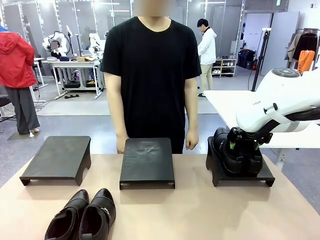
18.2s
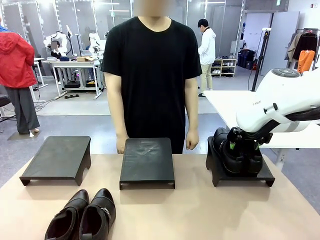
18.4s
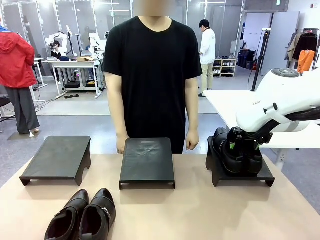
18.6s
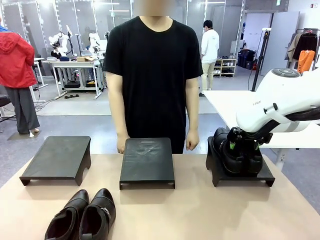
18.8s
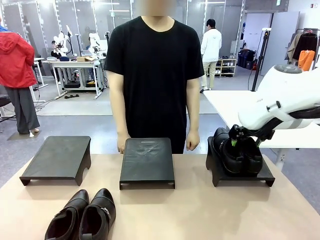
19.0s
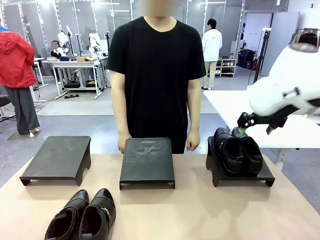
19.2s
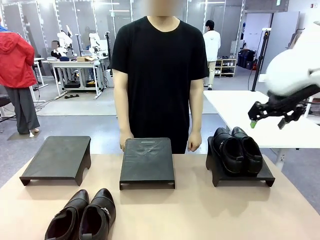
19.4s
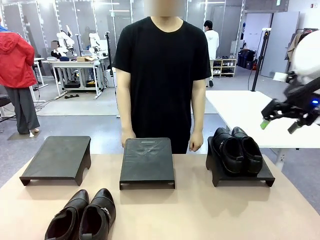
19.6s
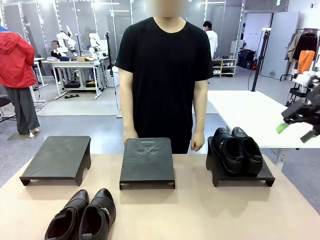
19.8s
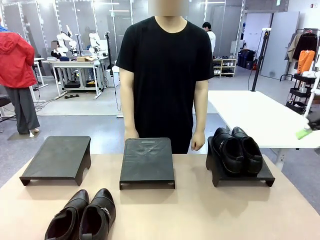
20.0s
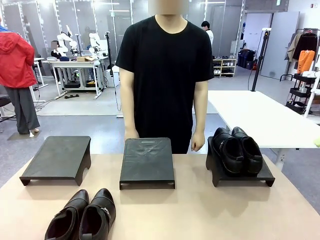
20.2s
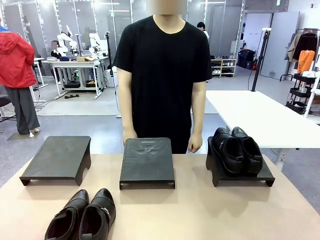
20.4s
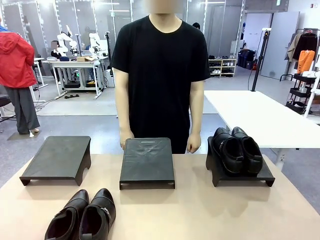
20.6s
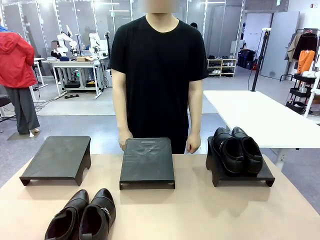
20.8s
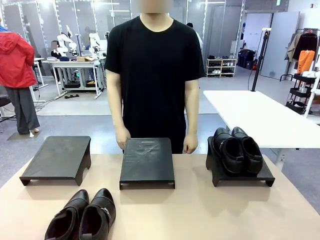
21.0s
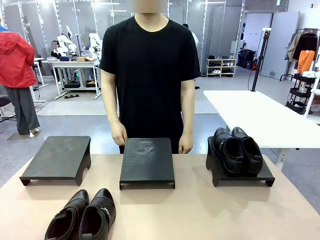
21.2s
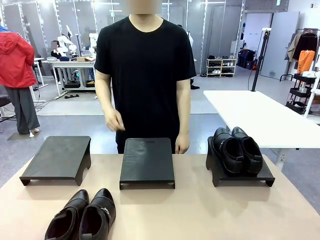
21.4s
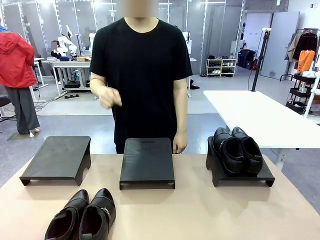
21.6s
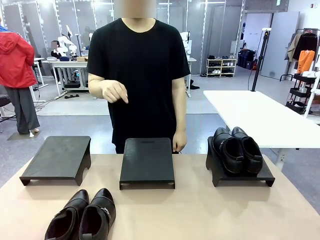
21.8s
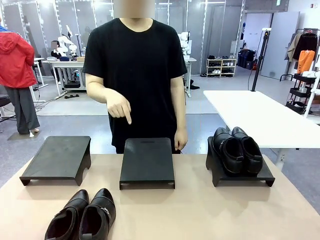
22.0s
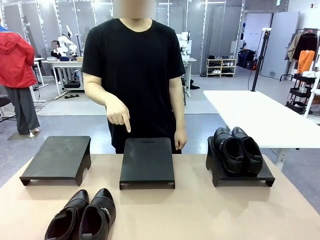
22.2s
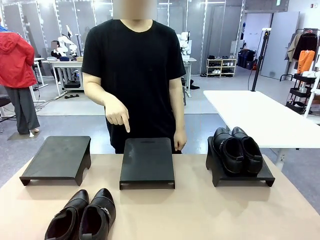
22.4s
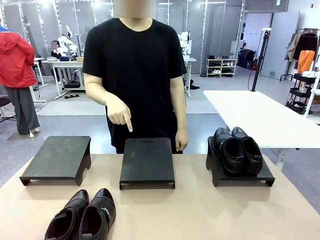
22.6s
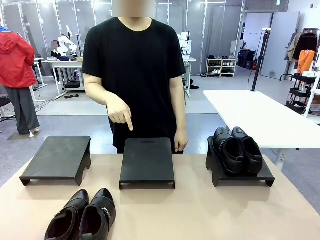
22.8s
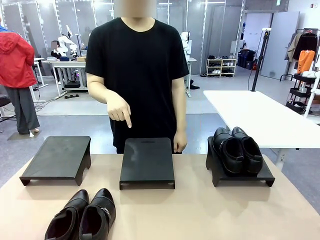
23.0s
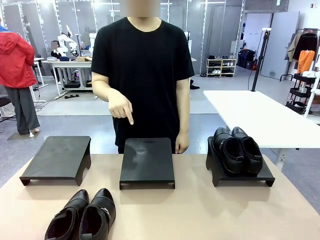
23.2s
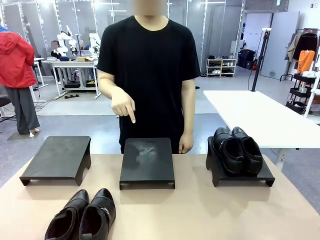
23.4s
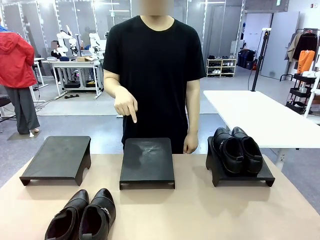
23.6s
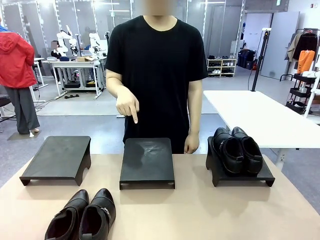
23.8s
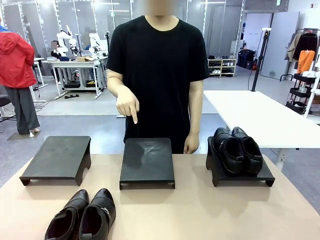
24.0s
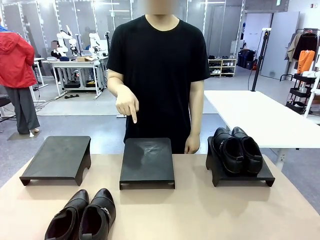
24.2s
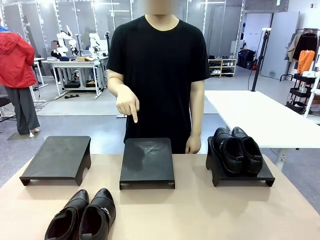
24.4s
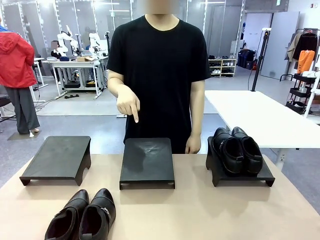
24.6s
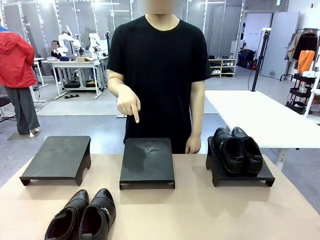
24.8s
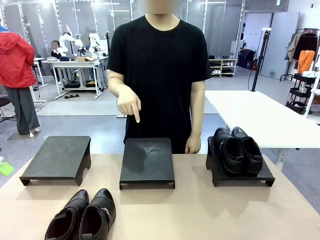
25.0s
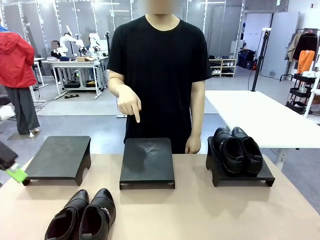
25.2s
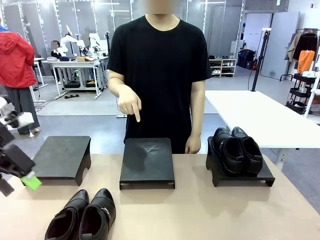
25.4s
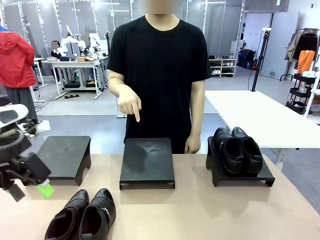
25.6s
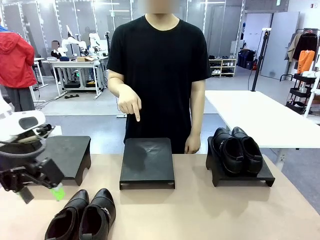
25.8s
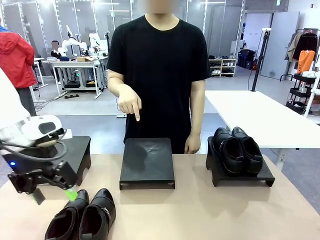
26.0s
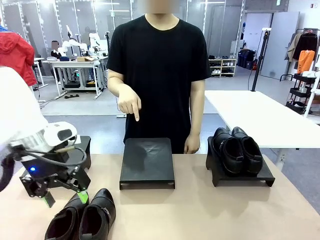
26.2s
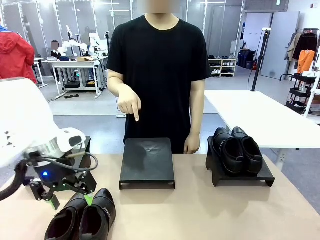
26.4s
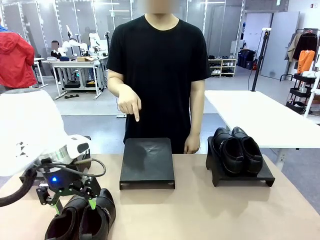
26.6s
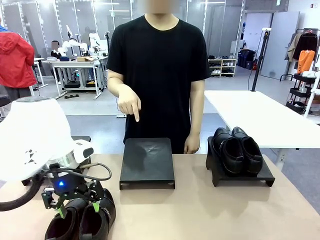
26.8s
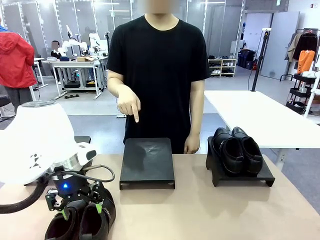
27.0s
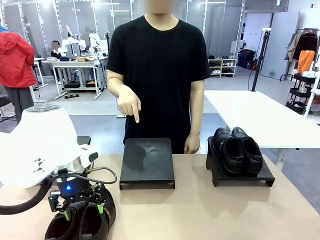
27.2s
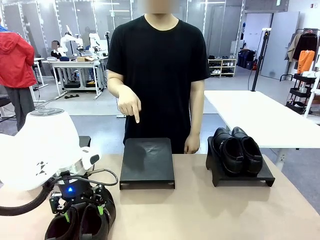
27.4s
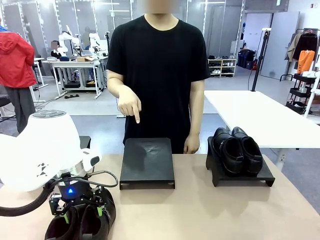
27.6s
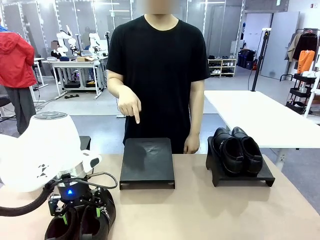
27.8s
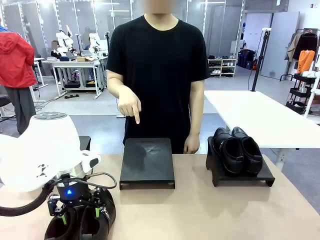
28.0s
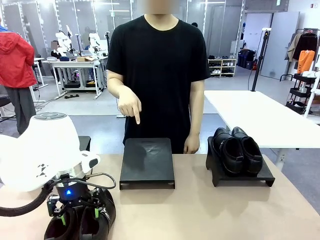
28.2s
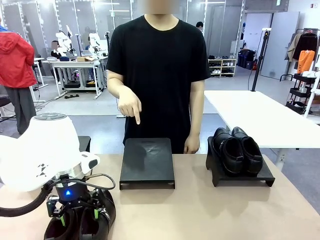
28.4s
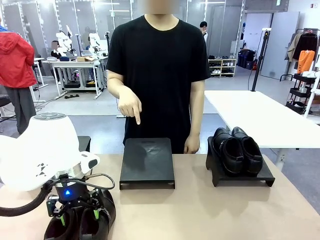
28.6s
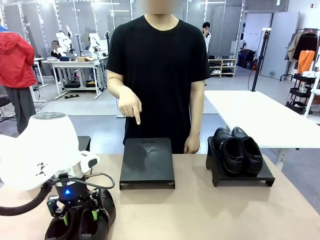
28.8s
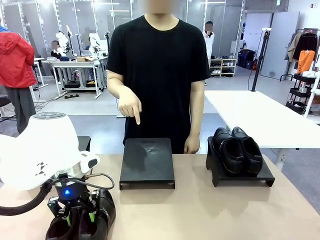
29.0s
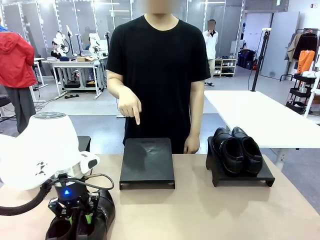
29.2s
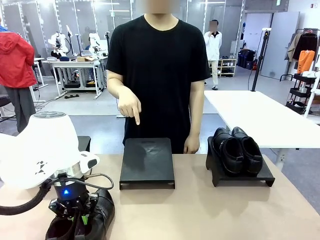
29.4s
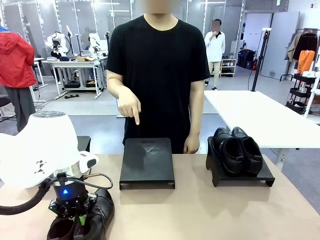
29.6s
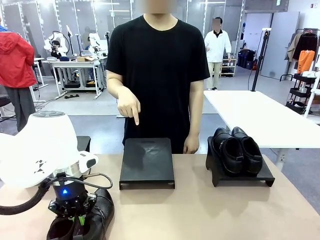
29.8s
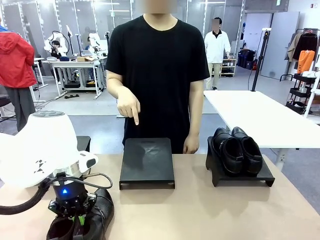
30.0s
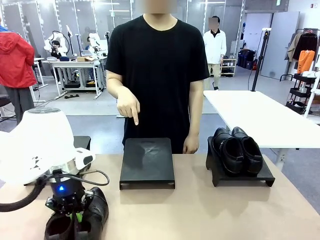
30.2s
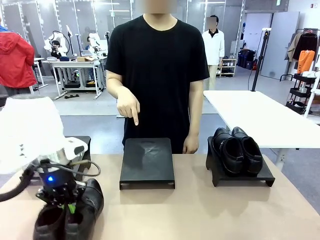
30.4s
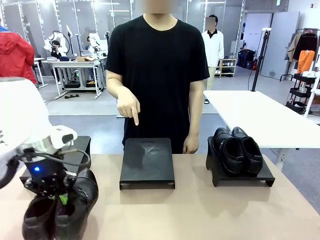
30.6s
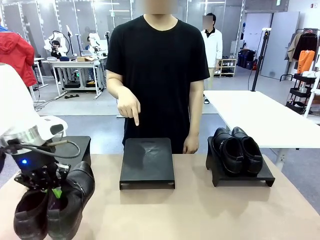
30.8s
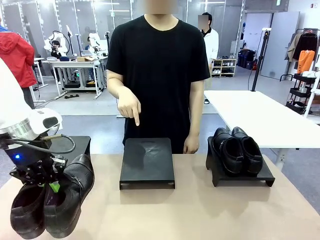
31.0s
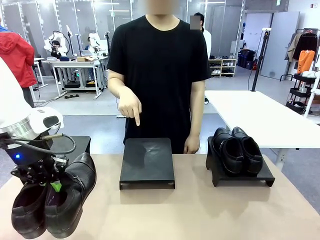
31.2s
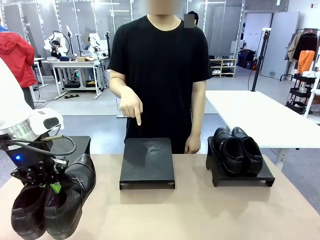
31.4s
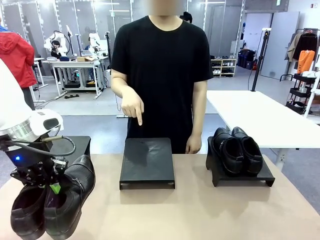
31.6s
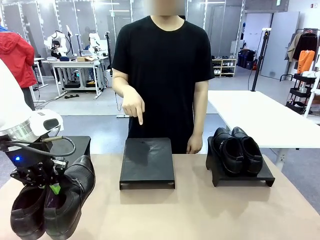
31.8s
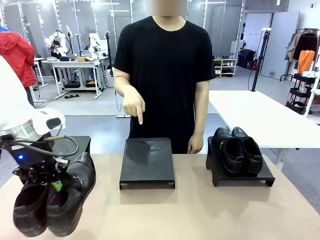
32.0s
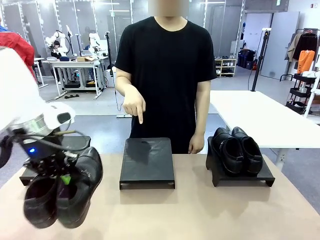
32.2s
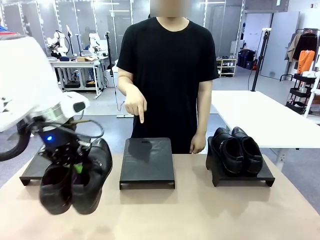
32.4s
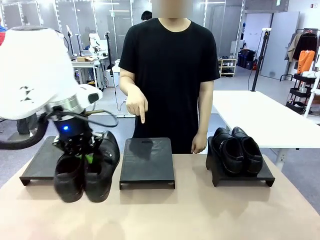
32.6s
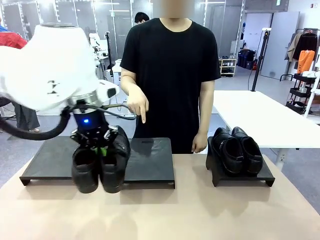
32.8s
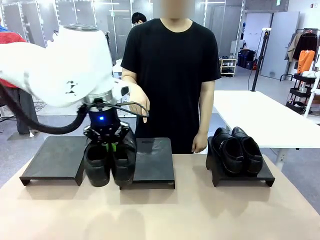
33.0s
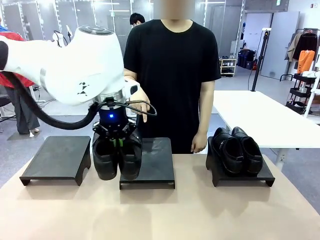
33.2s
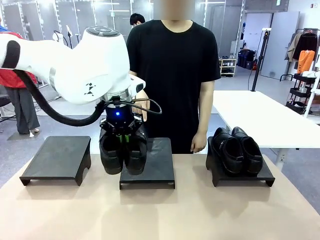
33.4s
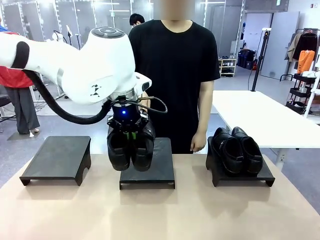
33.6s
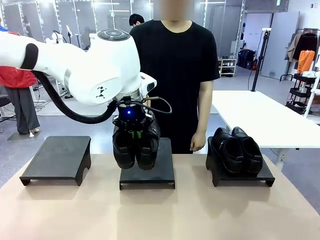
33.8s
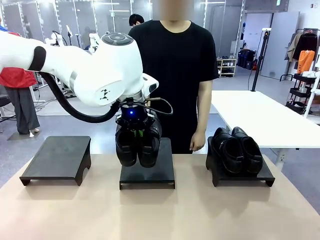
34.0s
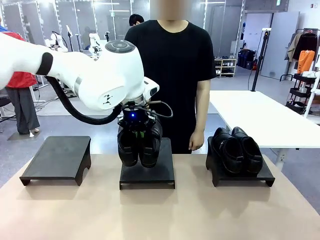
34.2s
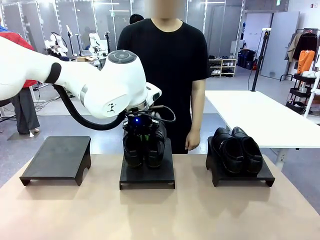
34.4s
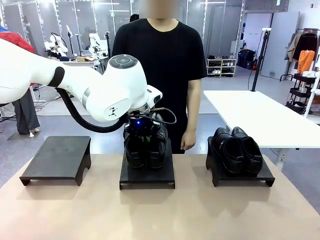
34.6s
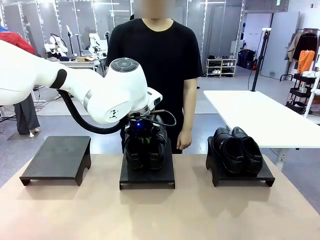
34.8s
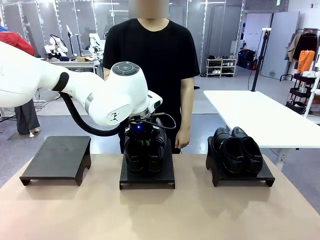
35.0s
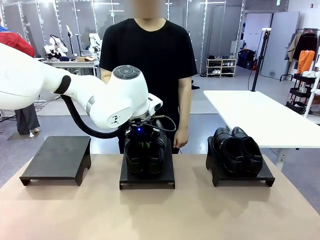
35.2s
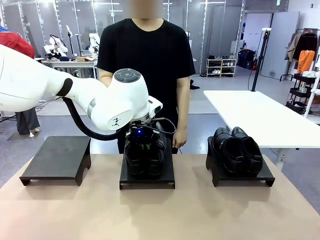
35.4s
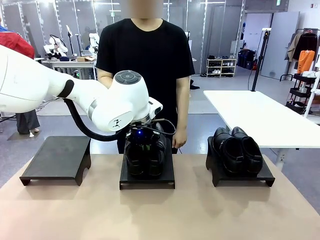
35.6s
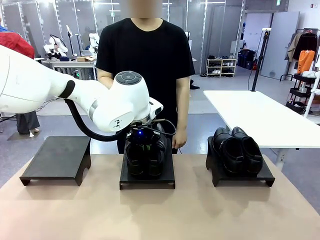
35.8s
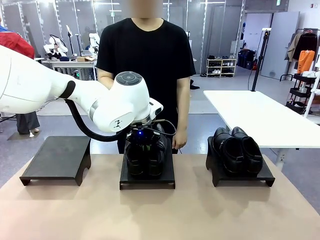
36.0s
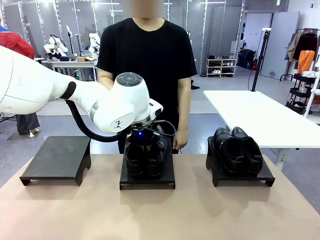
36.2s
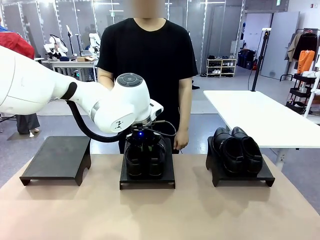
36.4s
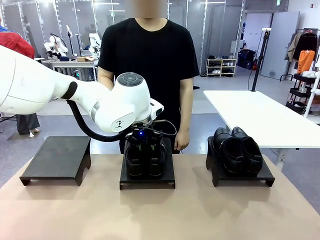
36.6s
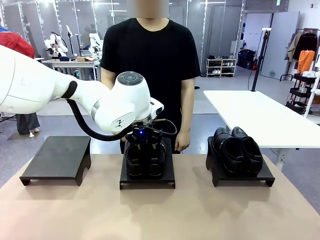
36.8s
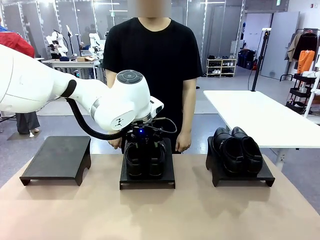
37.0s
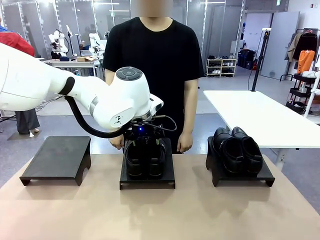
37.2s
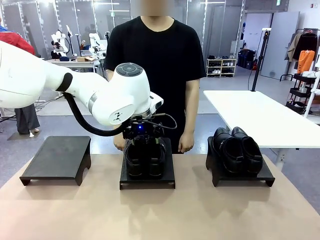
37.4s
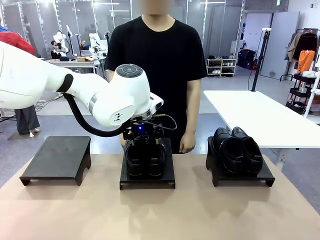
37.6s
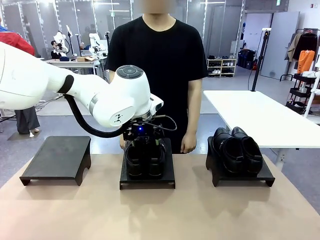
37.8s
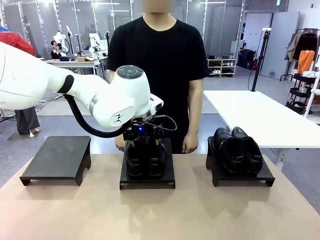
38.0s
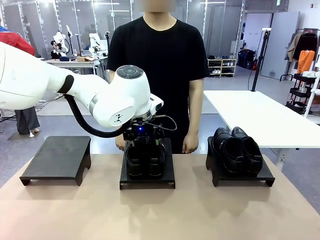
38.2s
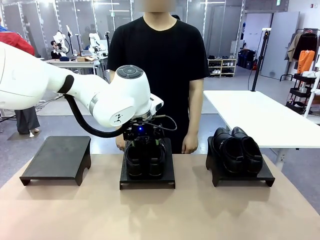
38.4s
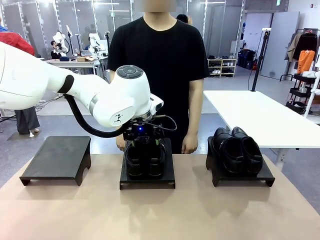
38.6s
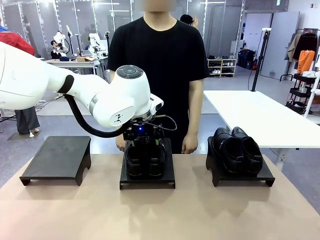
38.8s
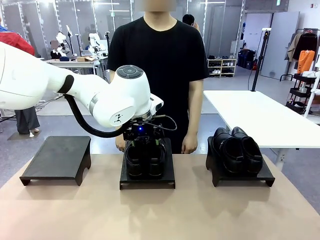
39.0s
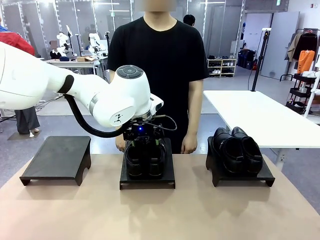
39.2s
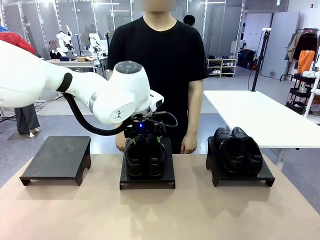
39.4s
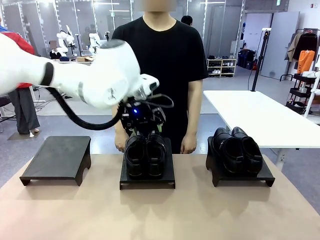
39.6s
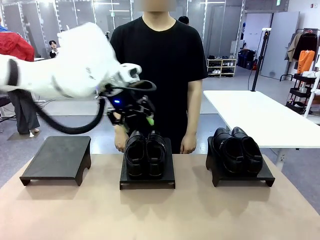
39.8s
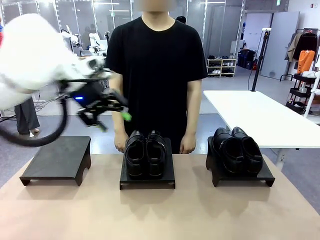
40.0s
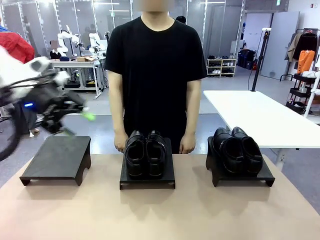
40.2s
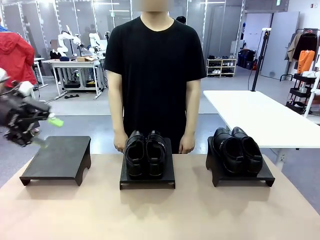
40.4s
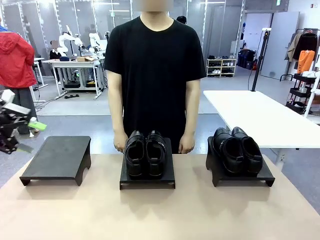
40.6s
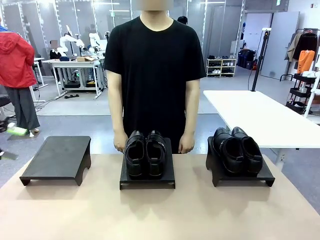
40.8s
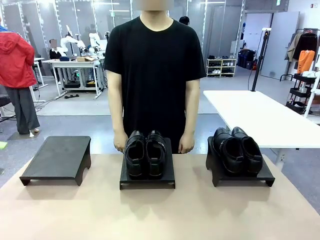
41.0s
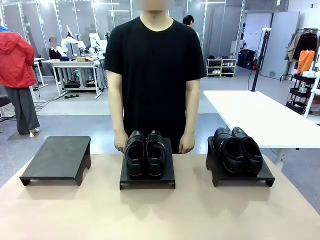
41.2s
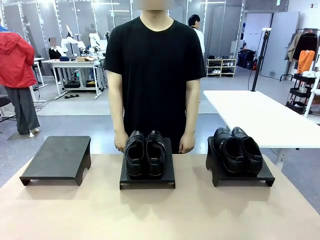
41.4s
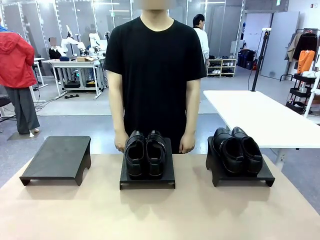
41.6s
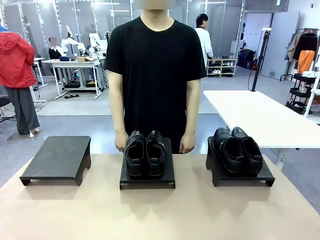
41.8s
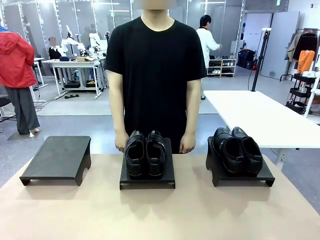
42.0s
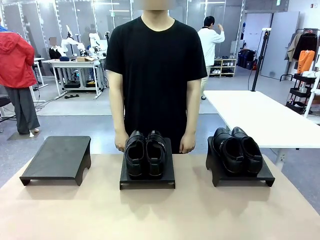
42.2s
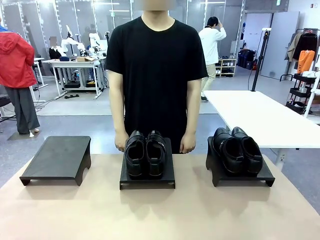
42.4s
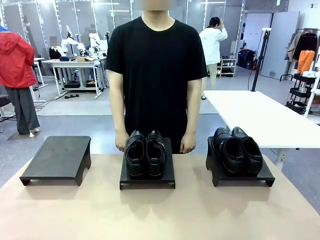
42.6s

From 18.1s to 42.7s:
Task: Place the shoes on the stand as instructed by the person.
Robot: Pick up another pair of Shoes and place it on the Shoes Stand indicated by the person.
Person: Point to one Shoes Stand.
